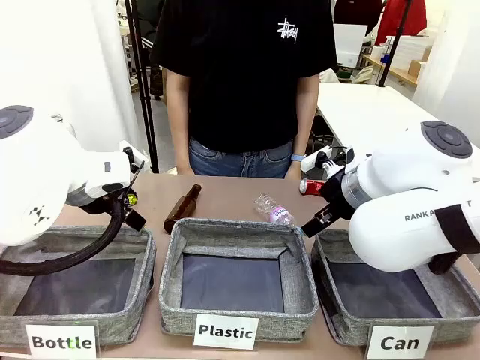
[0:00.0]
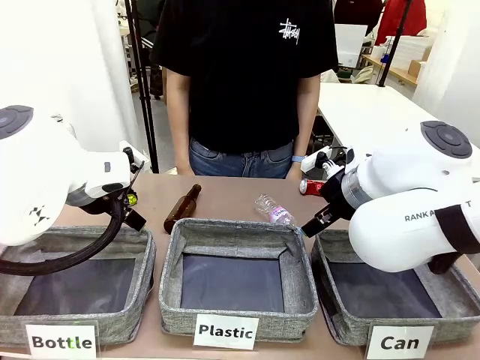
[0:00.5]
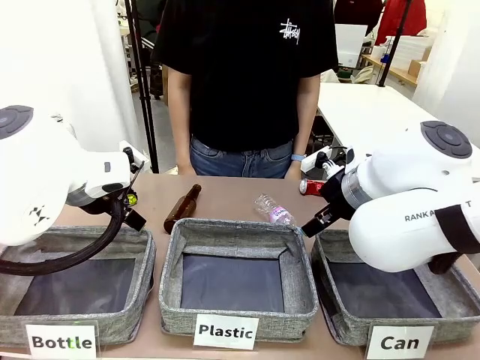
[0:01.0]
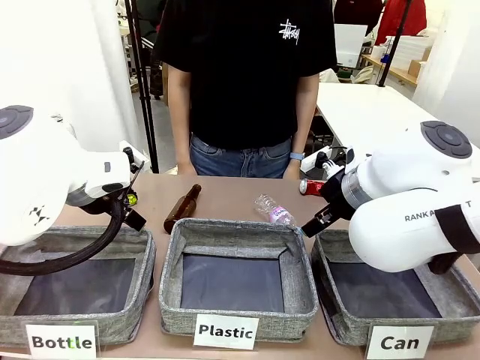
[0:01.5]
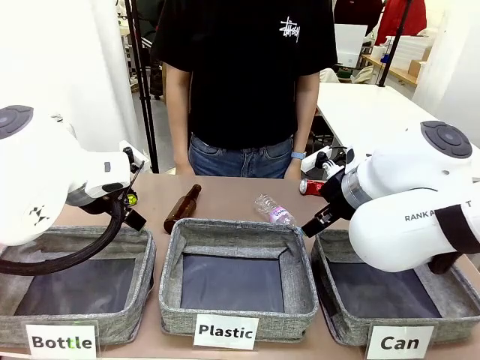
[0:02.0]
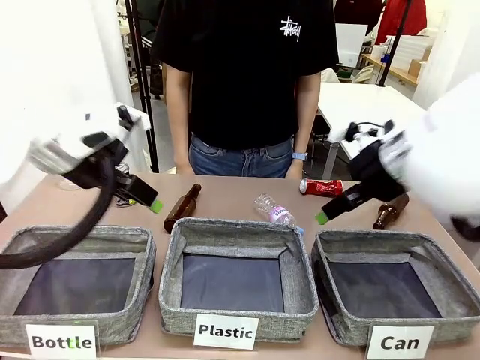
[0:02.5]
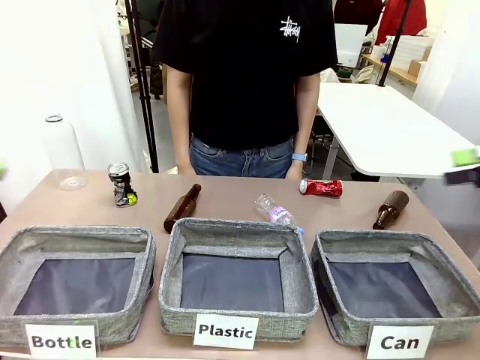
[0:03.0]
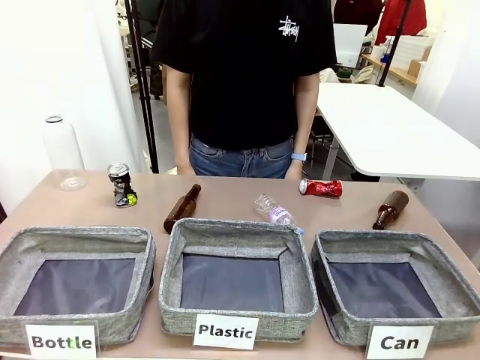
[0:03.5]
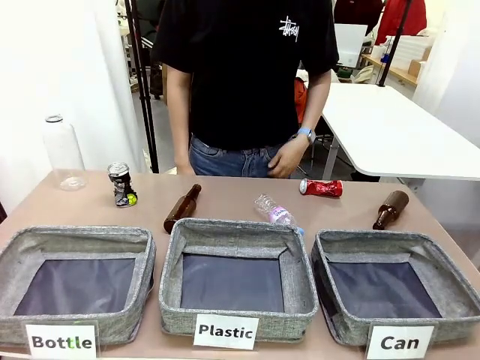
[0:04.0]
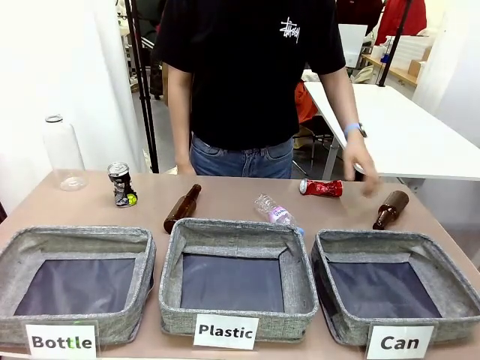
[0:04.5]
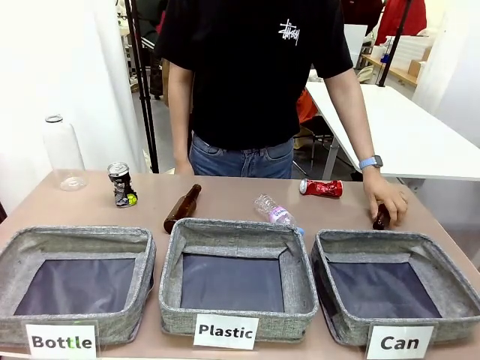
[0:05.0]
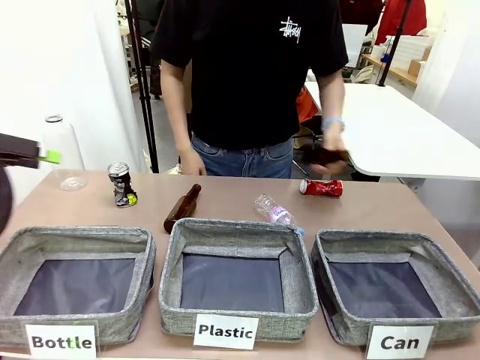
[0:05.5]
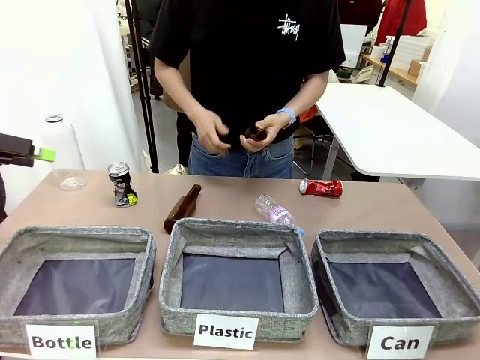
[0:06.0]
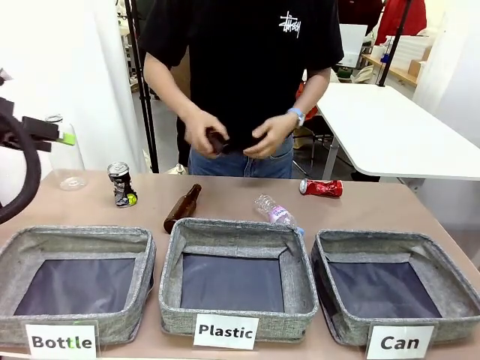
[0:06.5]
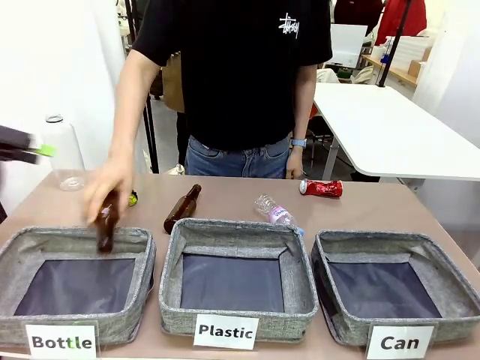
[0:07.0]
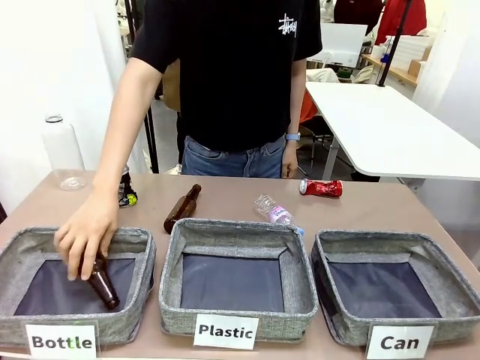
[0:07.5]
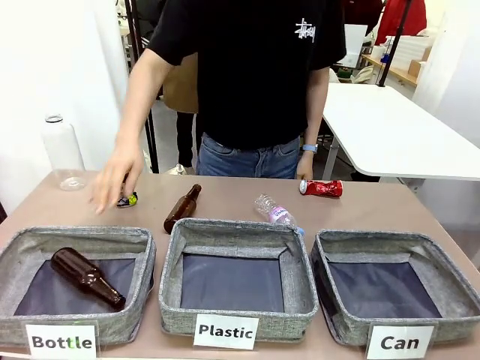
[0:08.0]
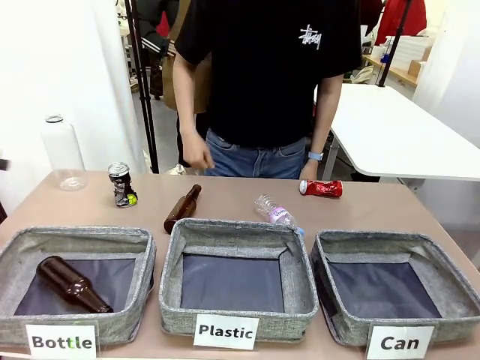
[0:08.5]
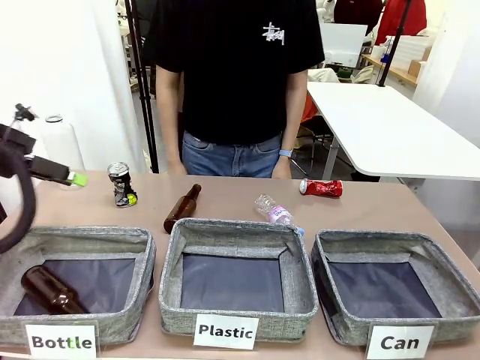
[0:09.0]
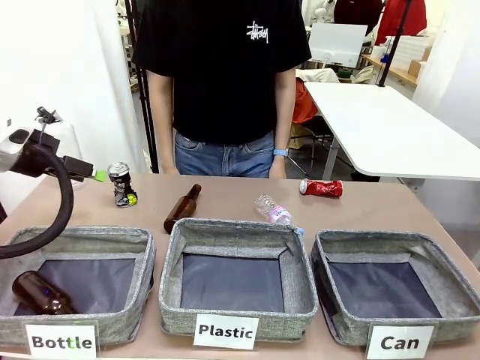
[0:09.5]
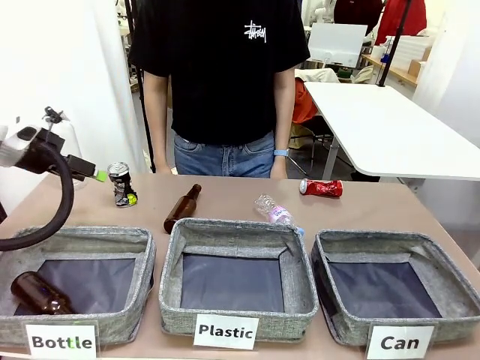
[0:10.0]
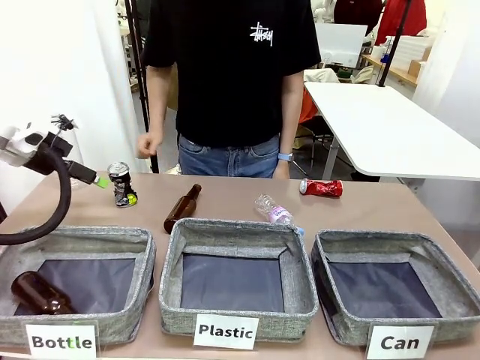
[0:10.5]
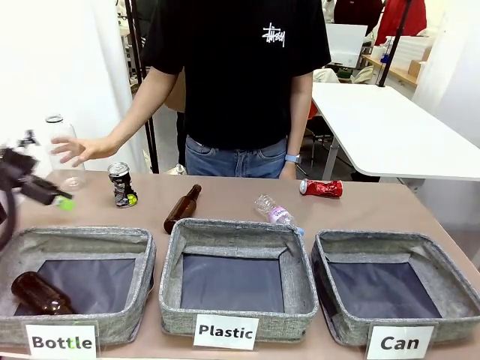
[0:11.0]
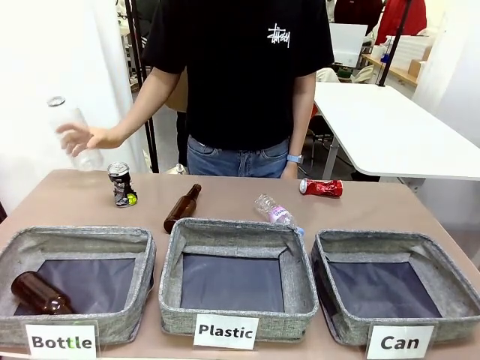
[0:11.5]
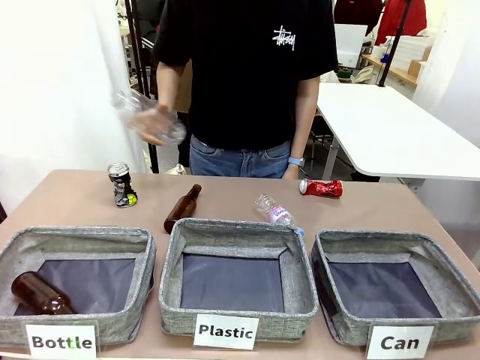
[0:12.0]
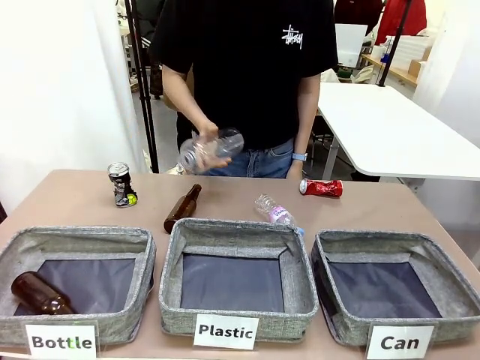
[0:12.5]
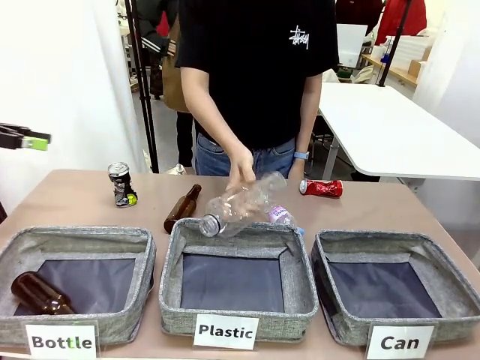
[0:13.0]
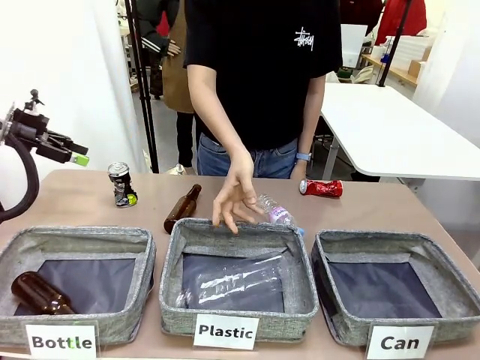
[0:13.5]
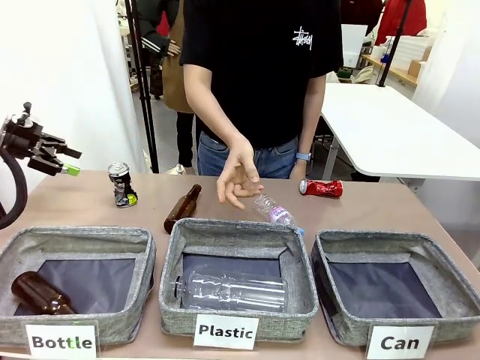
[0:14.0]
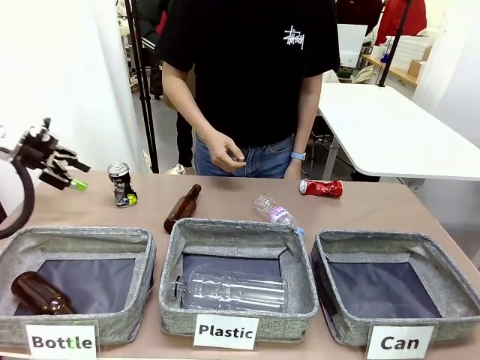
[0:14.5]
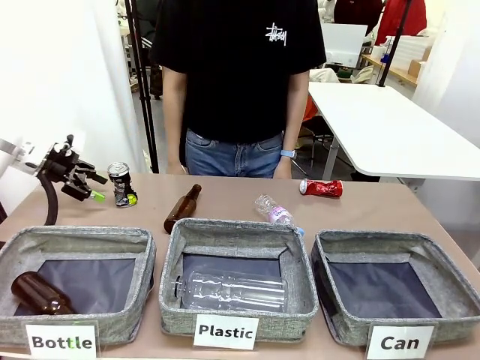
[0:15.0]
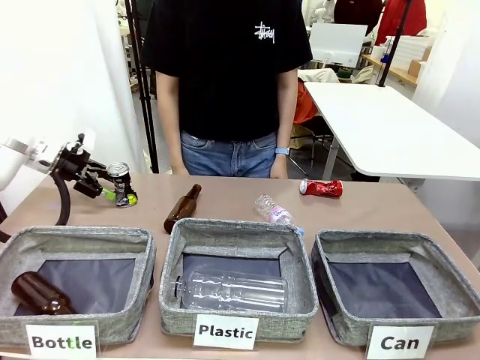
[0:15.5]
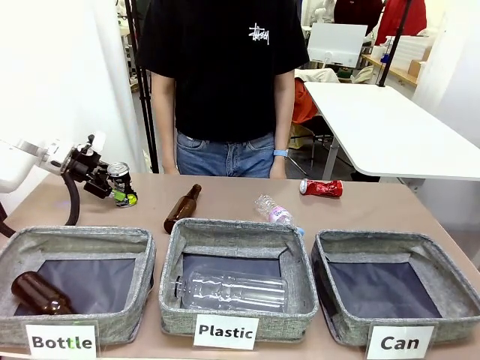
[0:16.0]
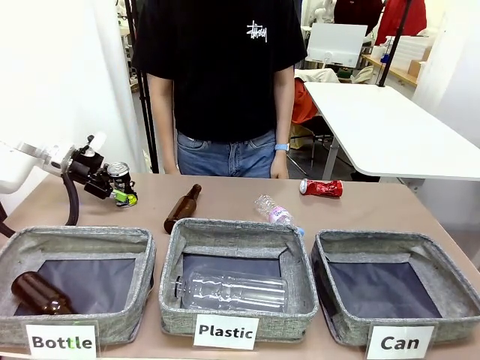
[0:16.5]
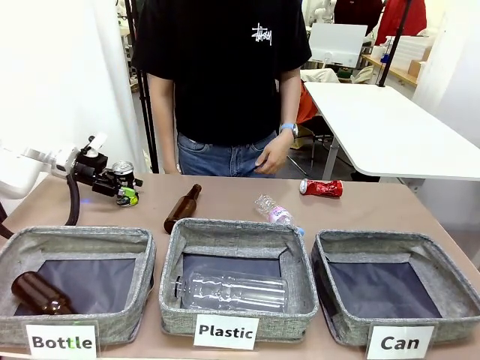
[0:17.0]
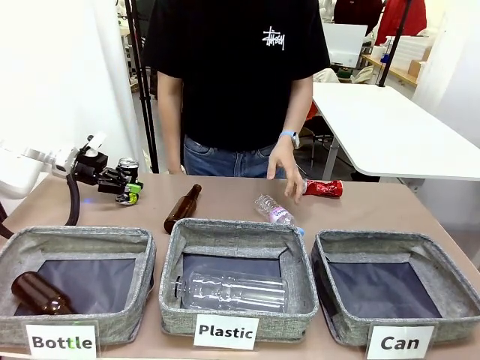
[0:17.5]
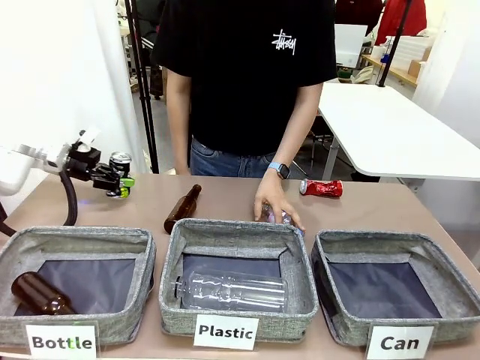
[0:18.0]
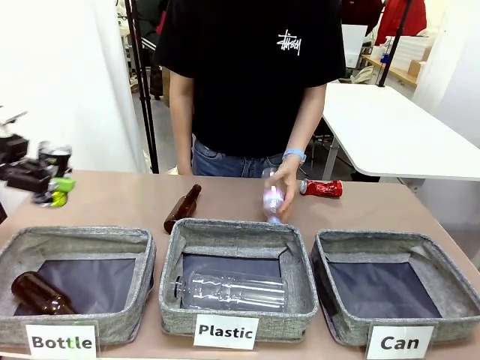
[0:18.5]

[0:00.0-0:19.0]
Task: Sort the can waste into the basket.
Robot: Pick up the can waste from the table and place it in the right Fabric basket.
